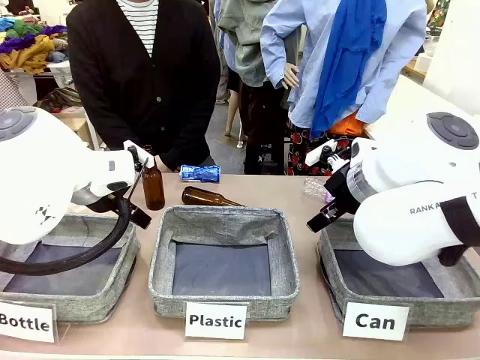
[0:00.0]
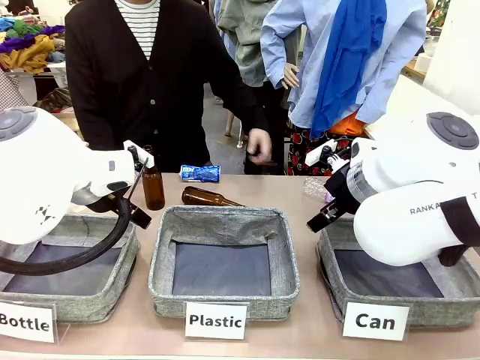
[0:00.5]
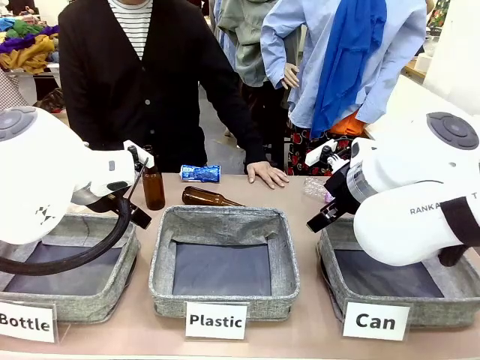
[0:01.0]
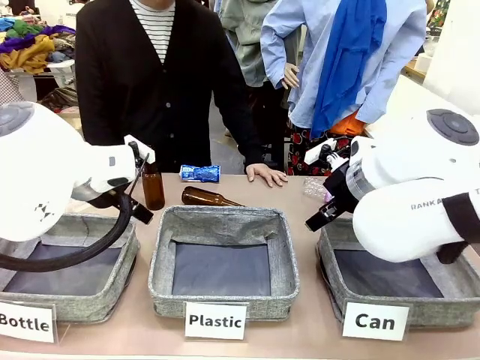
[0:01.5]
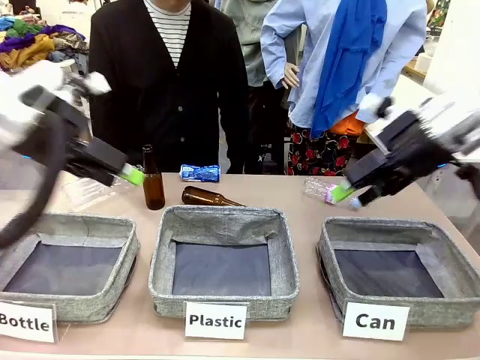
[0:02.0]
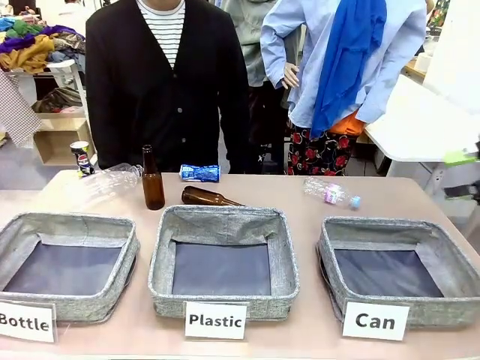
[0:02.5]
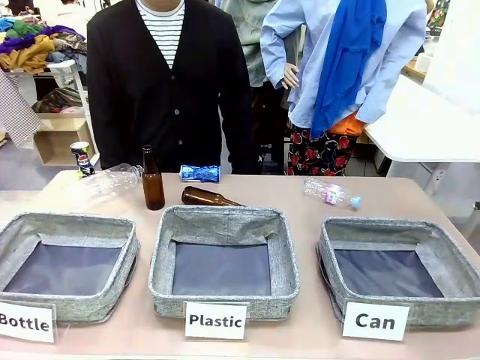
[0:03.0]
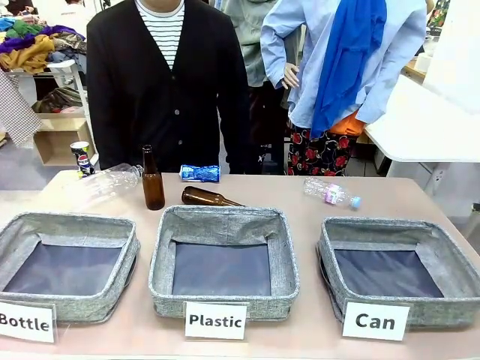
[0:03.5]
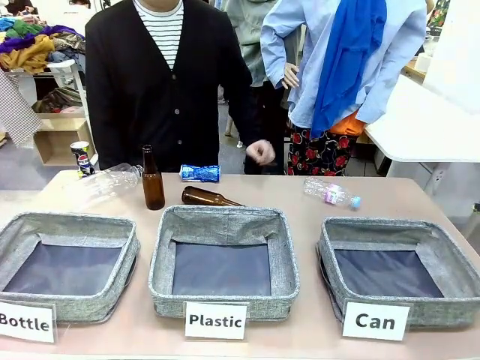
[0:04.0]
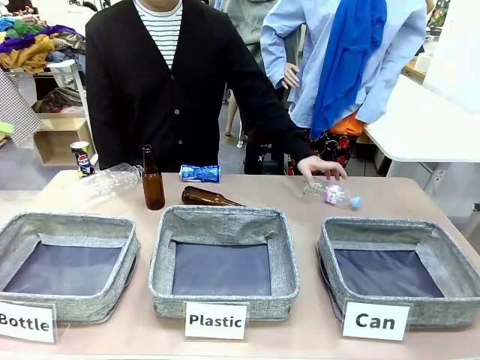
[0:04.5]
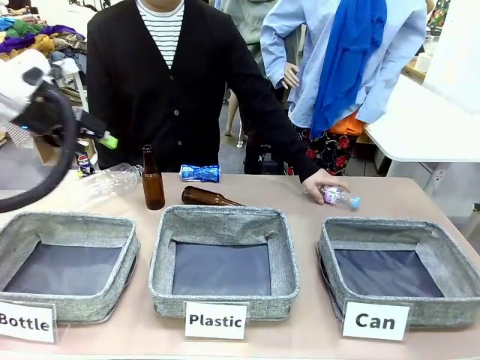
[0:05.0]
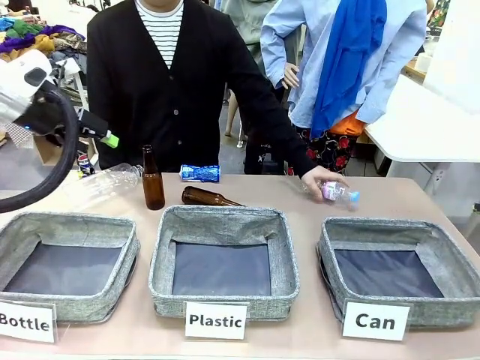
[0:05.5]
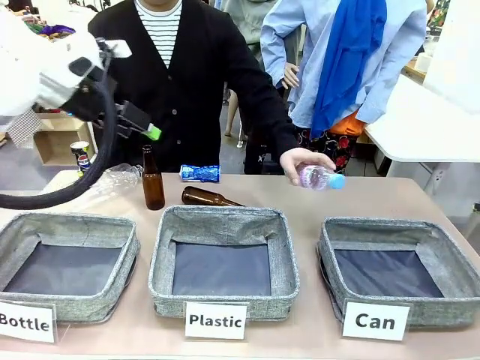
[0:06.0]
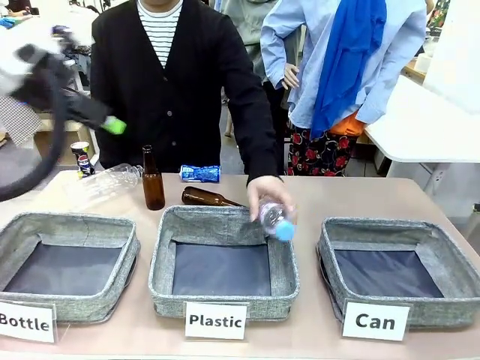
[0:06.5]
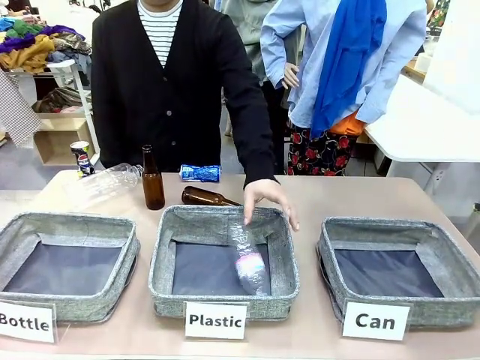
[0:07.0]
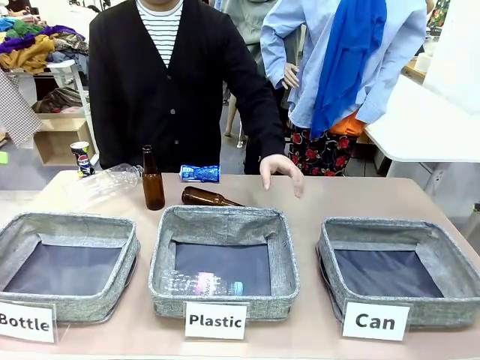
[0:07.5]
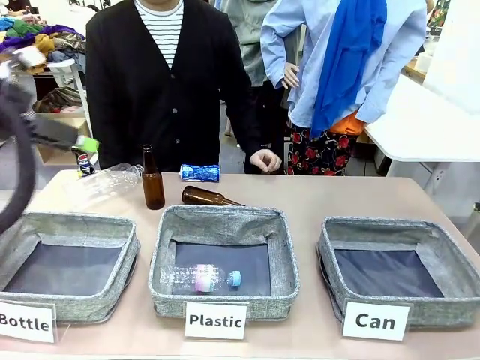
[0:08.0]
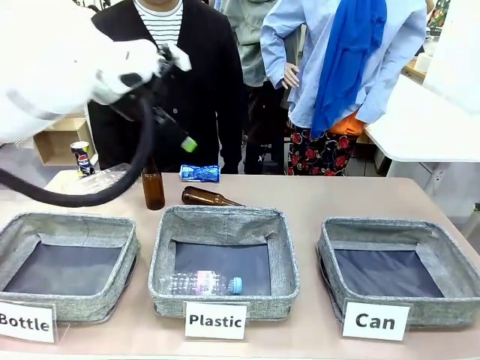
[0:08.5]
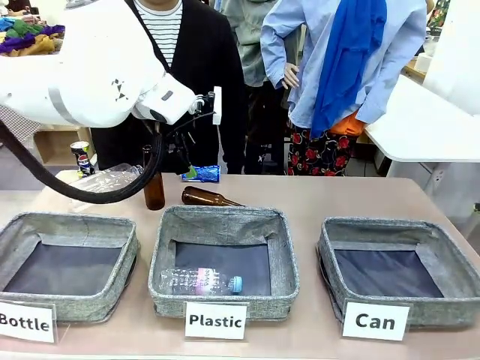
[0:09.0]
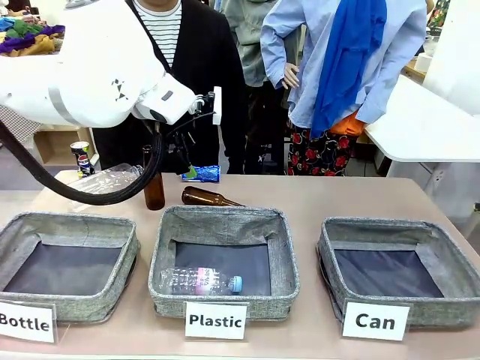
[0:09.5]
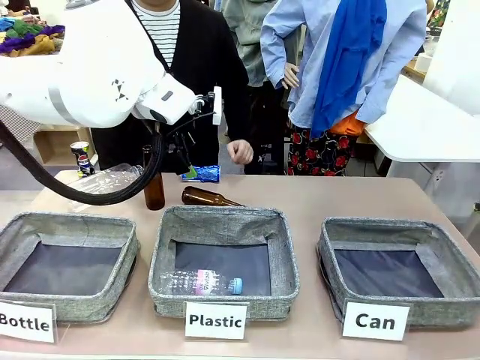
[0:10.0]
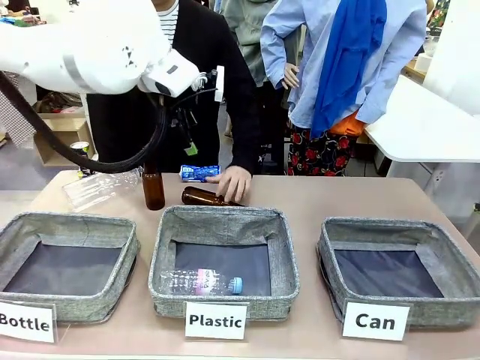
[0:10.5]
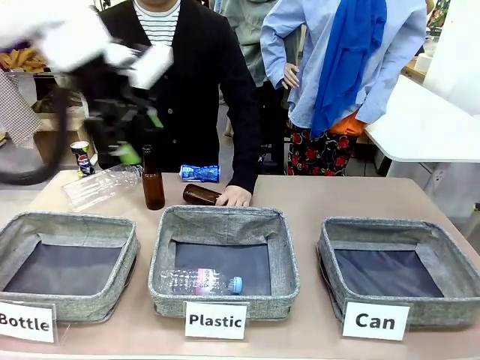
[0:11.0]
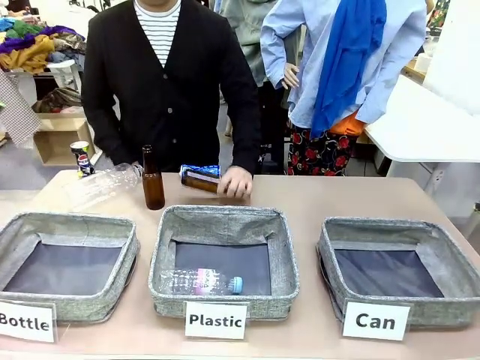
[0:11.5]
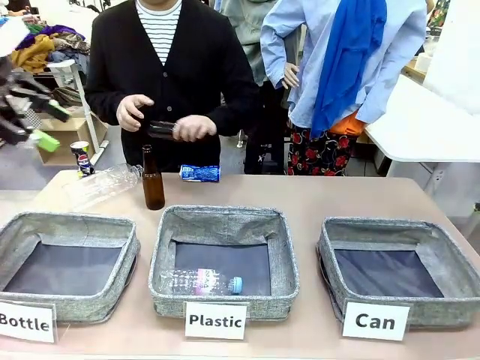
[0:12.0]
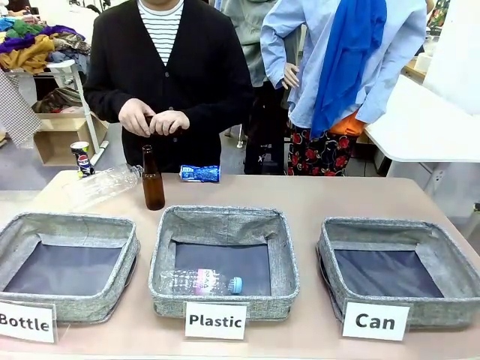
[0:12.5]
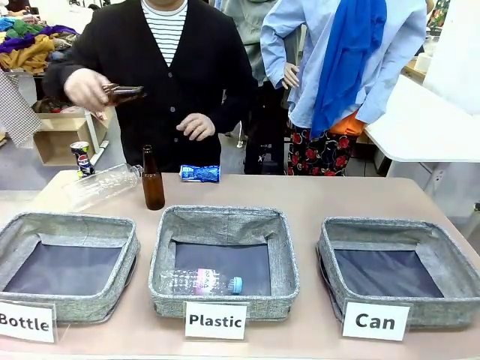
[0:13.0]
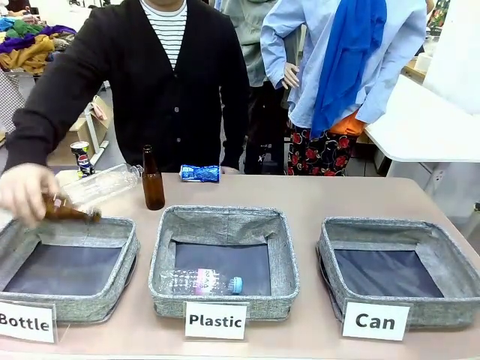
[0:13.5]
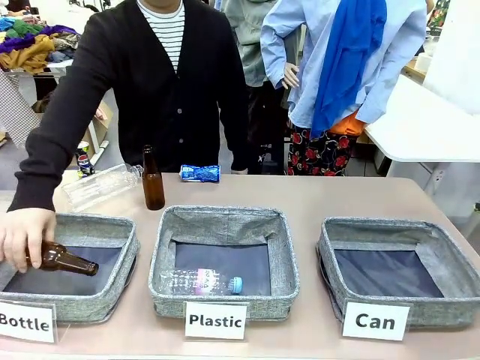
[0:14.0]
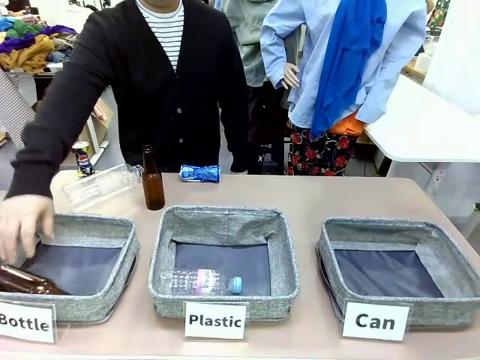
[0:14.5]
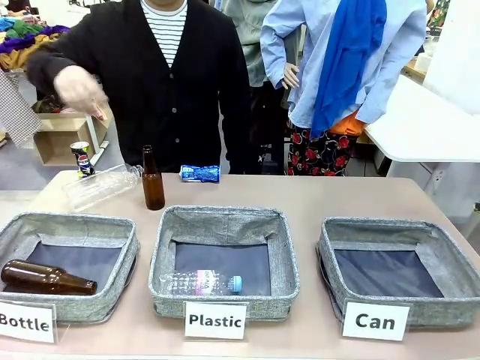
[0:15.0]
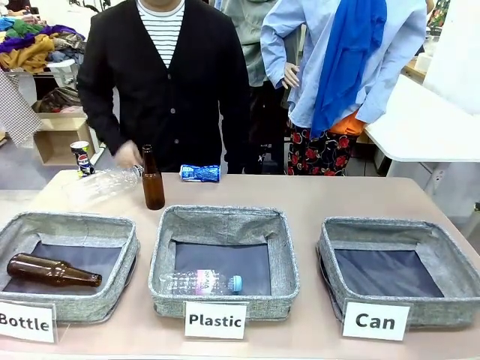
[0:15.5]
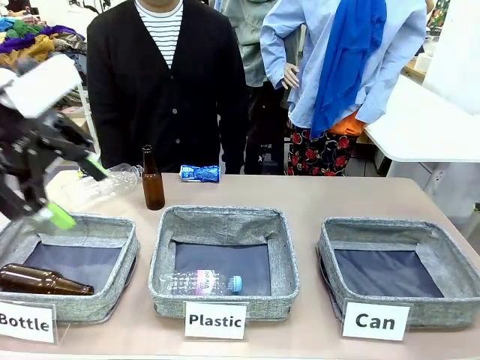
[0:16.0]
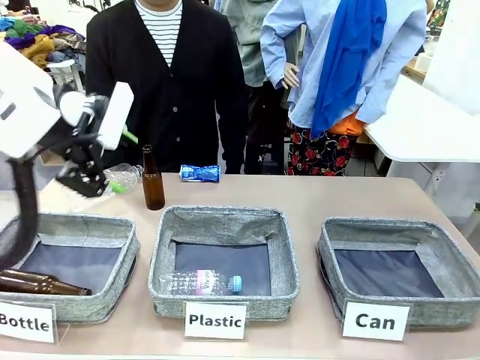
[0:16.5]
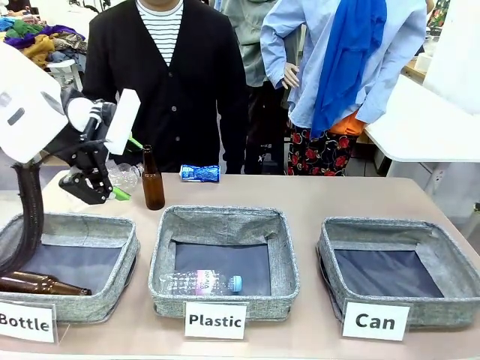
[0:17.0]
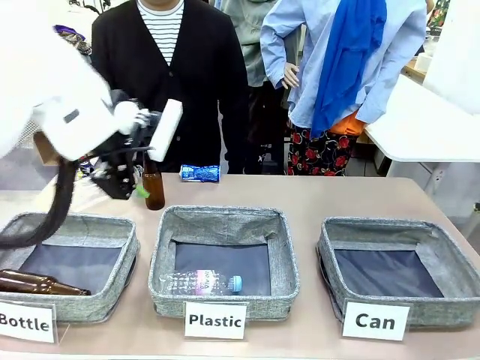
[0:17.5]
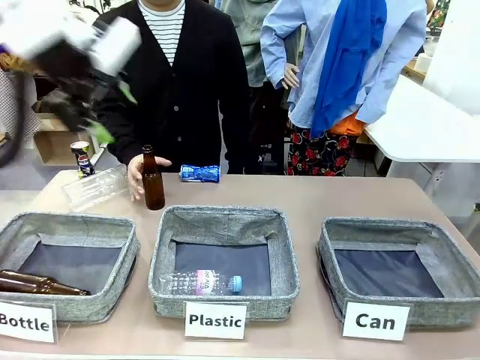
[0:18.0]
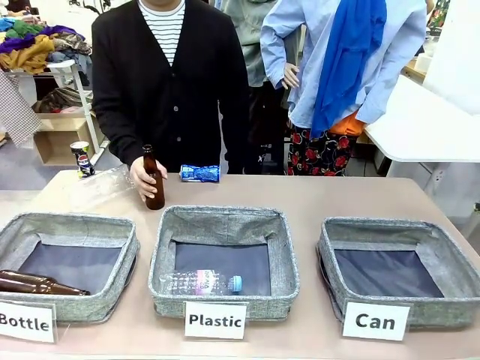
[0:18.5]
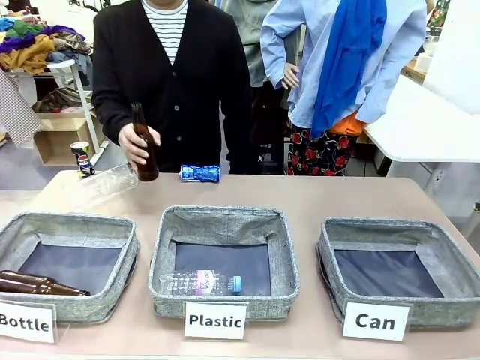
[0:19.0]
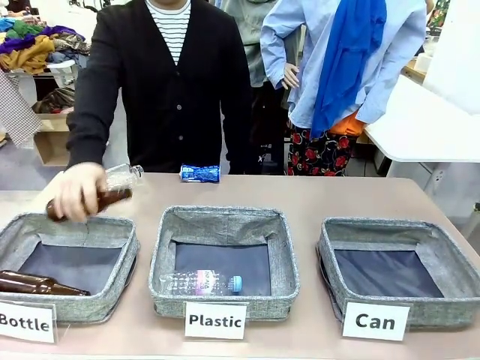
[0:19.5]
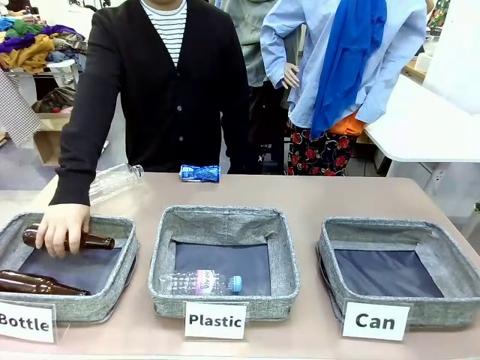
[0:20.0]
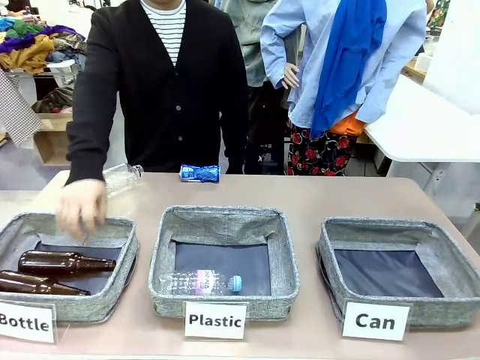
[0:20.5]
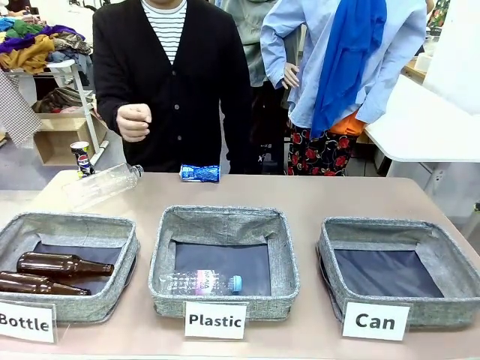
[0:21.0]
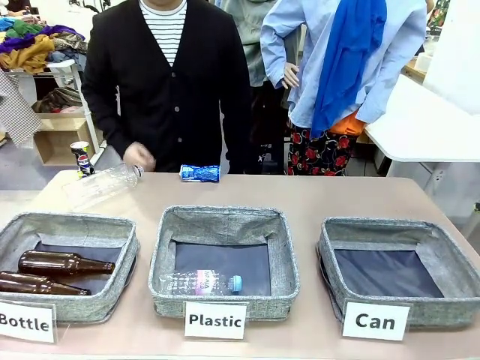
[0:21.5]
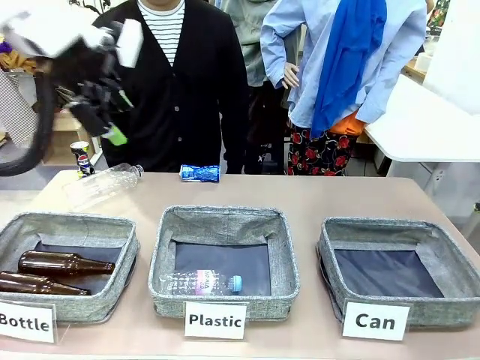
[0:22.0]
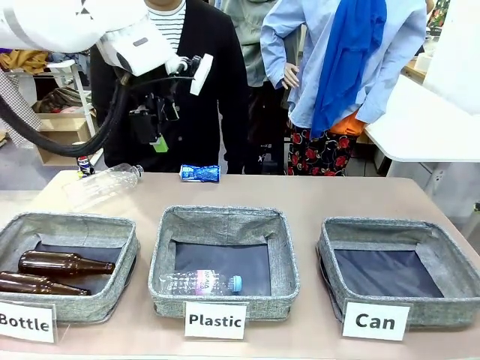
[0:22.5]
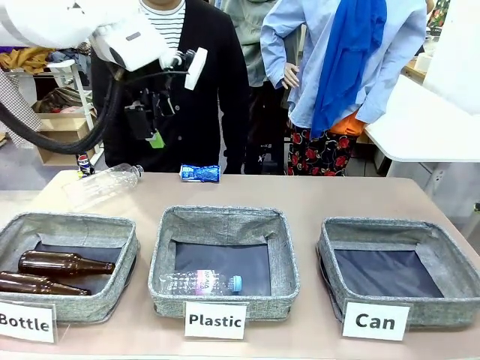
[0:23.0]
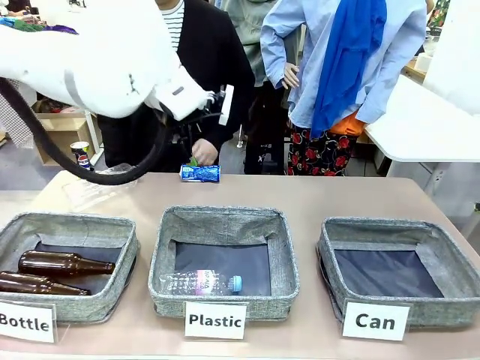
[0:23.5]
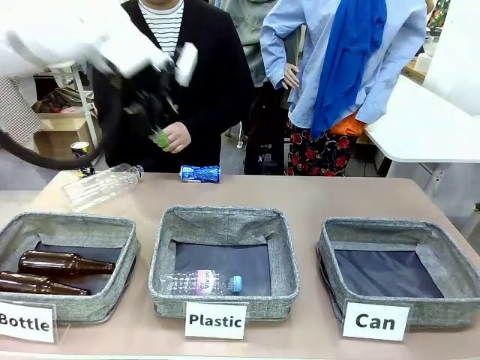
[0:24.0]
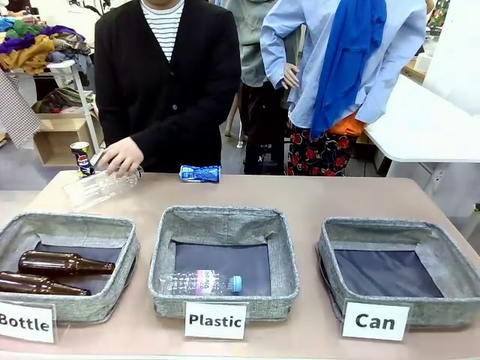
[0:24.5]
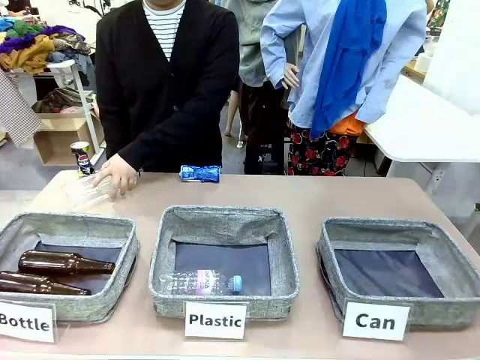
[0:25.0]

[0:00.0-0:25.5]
Task: Sort the can waste into the basket.
Robot: Pick up the can waste from the table and place it in the right Fabric basket.
